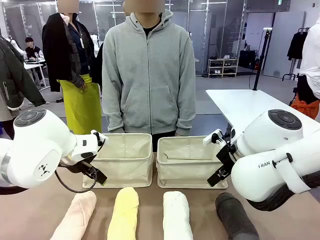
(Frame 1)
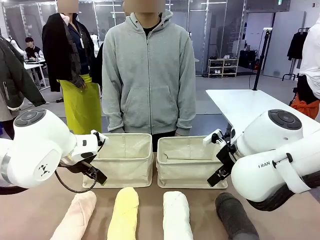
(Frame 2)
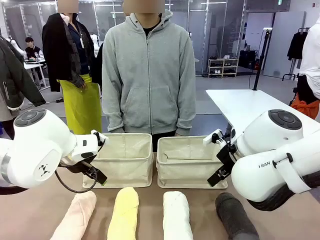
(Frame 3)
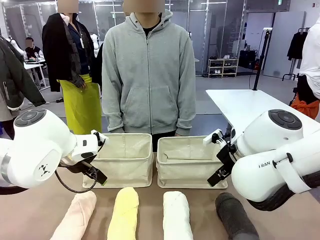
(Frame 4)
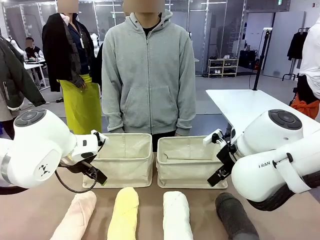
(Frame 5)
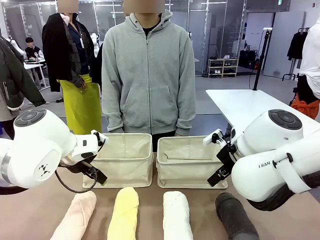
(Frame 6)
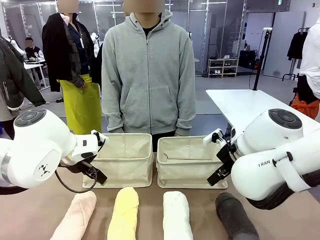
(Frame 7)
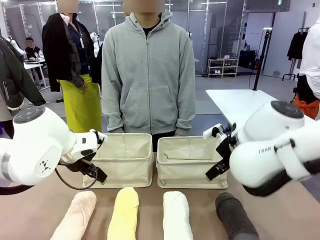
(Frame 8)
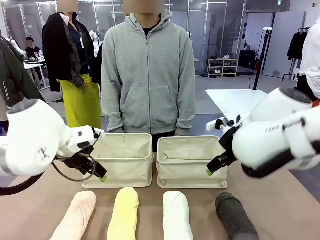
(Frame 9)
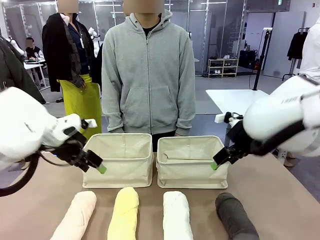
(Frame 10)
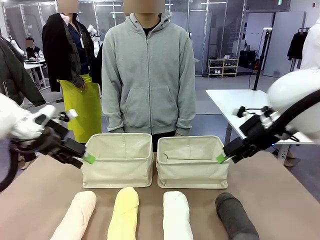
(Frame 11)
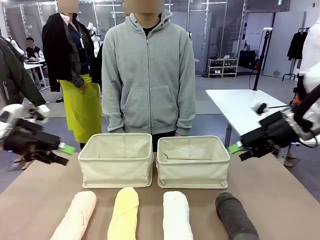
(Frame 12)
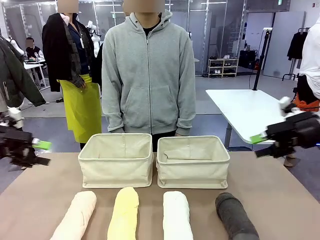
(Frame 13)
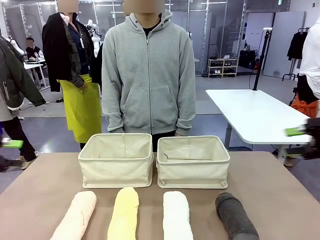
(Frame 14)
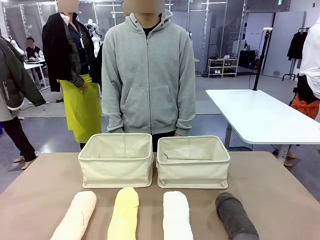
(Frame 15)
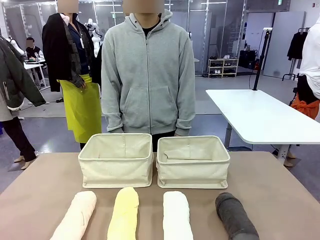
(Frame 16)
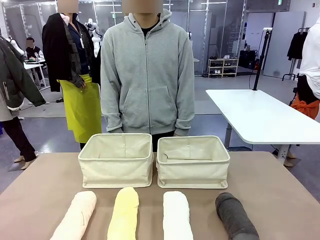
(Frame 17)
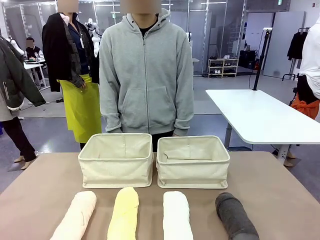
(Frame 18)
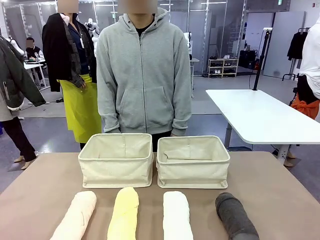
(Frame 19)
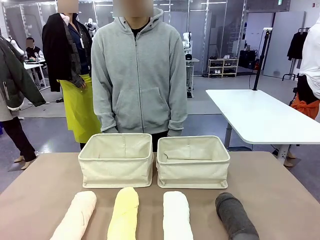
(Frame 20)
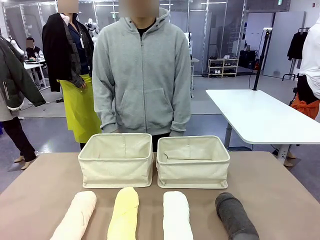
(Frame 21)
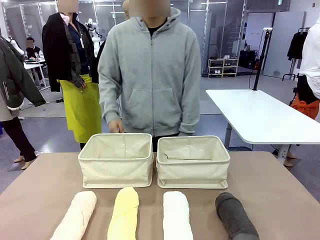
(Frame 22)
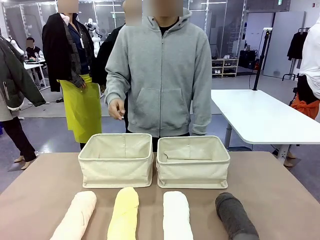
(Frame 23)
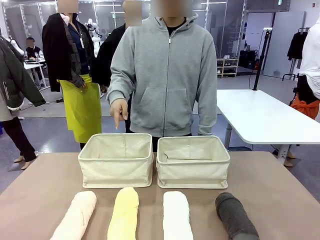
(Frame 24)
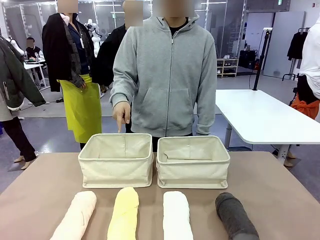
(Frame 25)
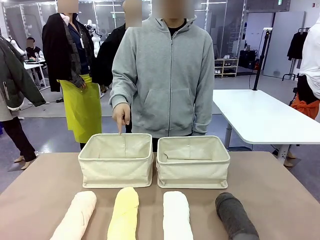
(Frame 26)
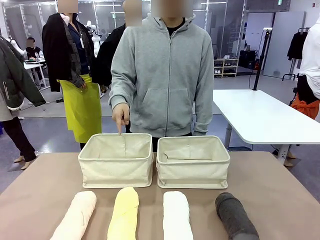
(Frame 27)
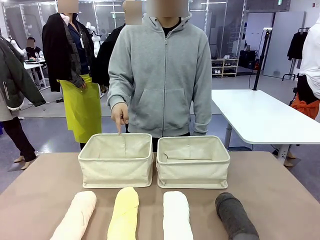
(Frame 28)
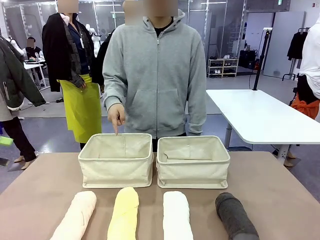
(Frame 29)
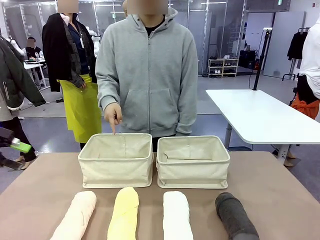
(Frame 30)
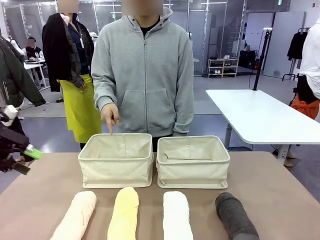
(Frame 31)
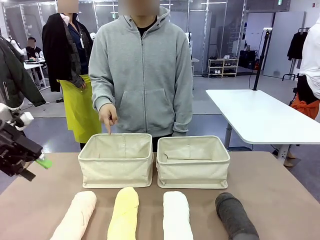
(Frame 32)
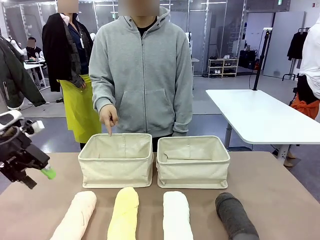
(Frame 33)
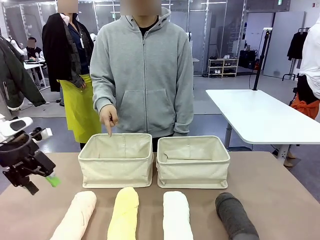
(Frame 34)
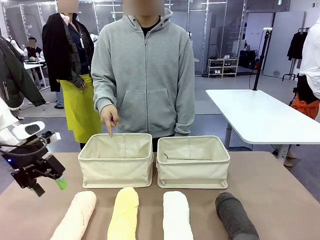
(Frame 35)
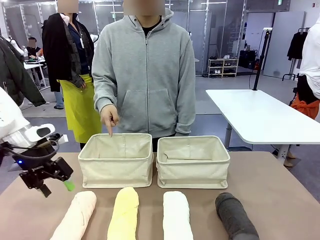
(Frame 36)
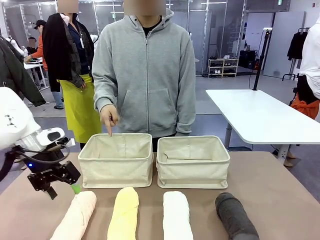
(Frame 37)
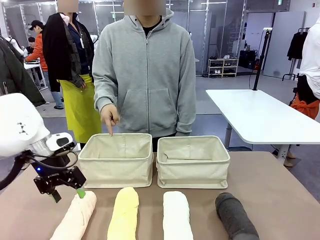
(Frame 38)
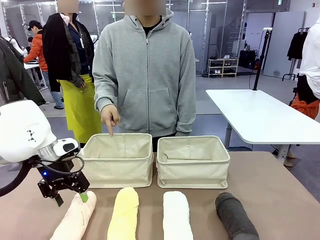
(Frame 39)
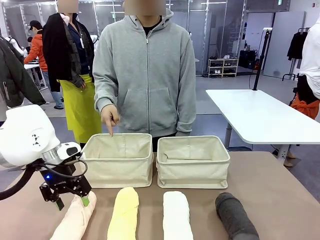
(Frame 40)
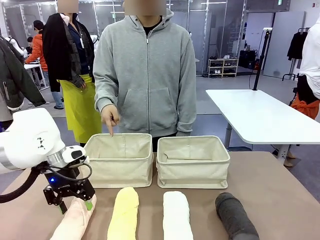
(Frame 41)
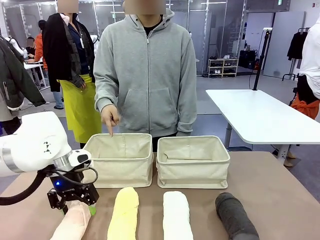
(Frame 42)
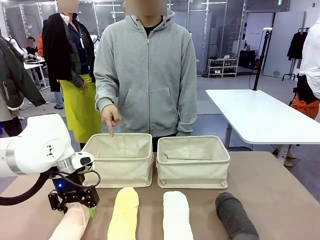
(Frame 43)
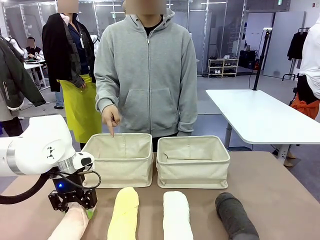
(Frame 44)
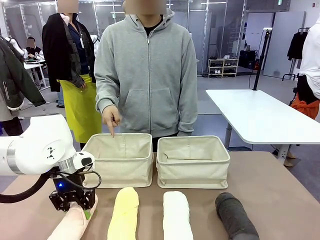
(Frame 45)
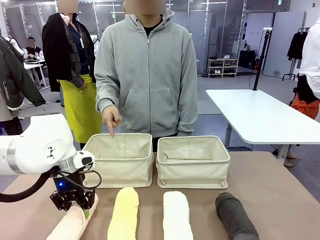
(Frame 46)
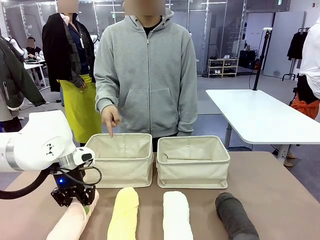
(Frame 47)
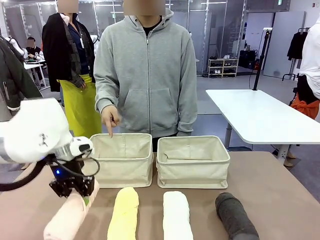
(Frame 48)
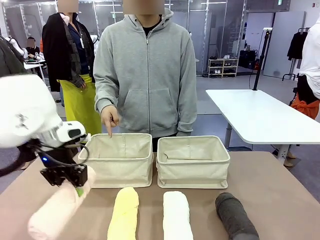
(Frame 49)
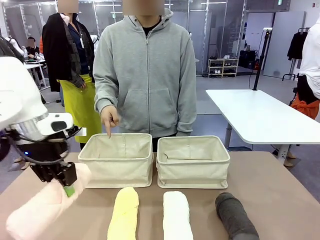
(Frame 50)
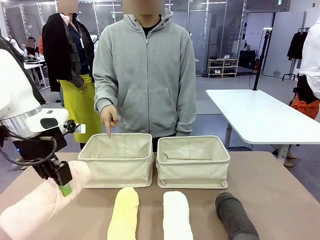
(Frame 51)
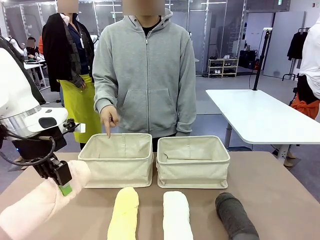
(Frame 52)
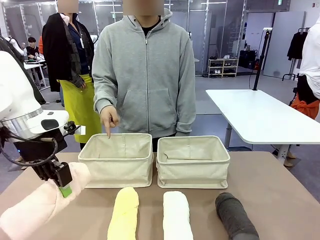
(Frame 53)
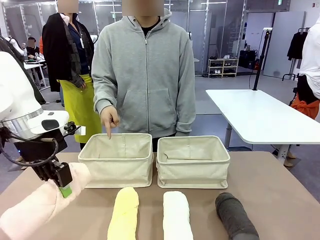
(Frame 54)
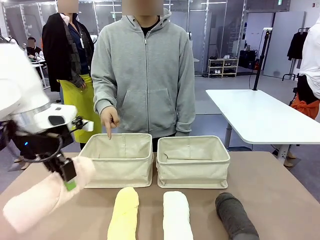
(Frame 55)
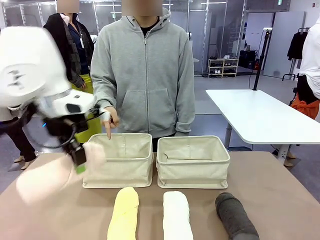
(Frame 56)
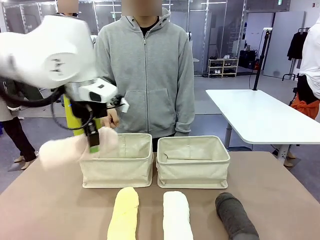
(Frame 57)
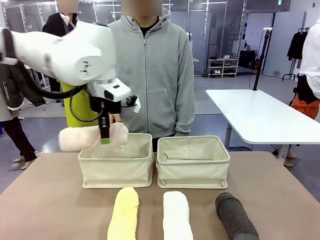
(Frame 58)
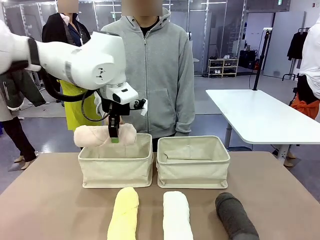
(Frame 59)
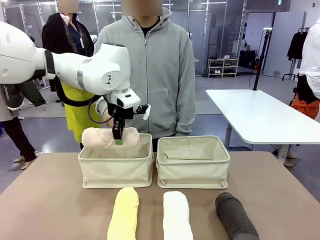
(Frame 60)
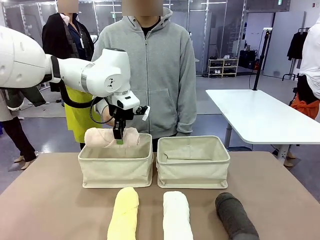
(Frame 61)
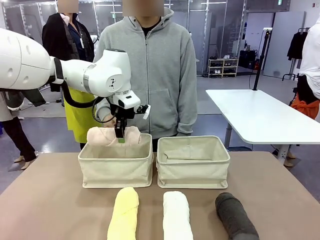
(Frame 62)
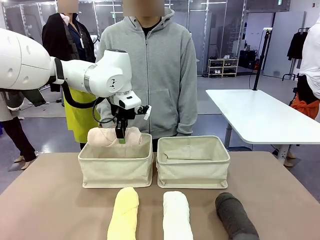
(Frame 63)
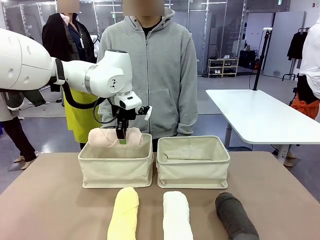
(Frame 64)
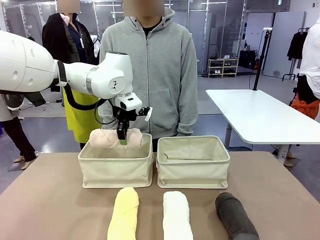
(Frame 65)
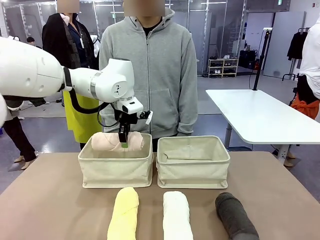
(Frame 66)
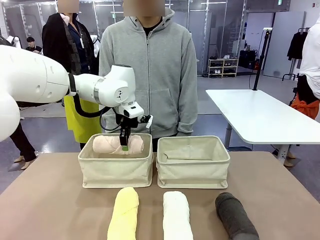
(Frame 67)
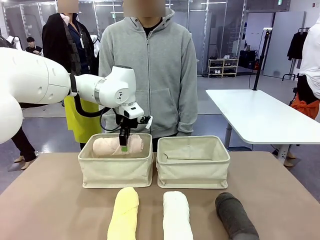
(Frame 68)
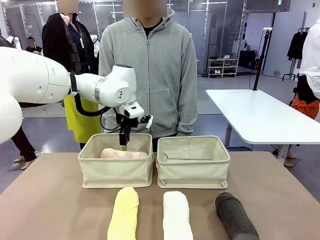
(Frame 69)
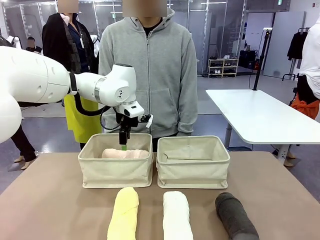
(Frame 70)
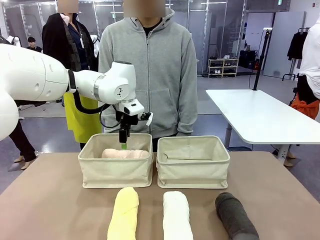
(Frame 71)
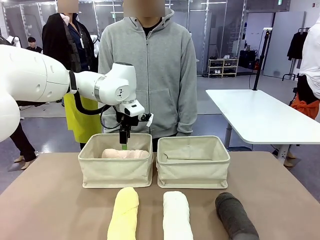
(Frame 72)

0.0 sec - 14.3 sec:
Task: Divide the towels into two baskets.
Robot: Pick up one hotel-folded towel and place it in the Fabric basket indicated by the person.
